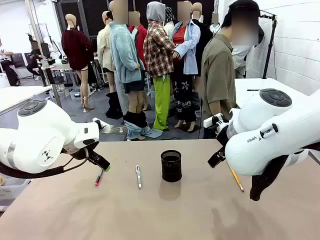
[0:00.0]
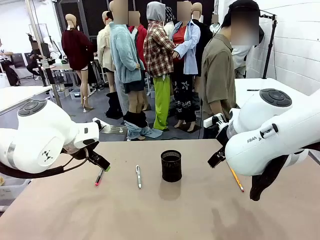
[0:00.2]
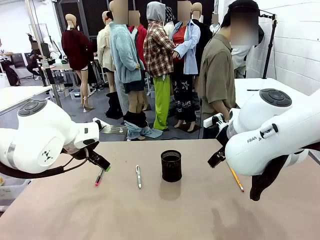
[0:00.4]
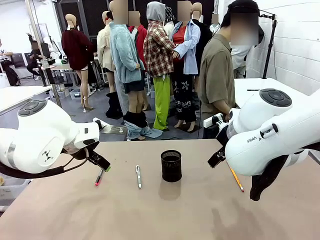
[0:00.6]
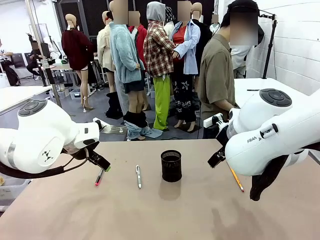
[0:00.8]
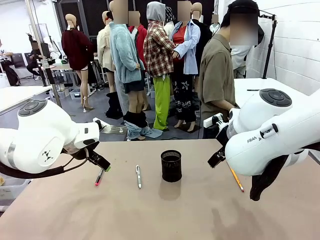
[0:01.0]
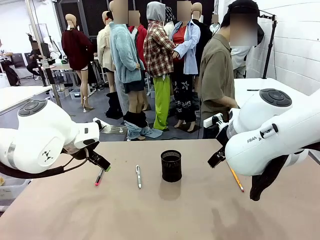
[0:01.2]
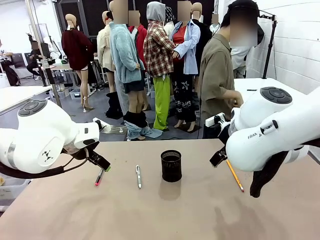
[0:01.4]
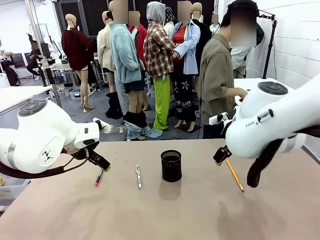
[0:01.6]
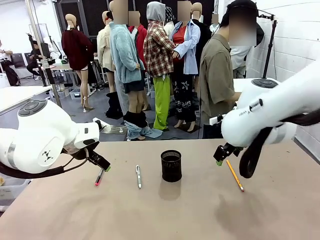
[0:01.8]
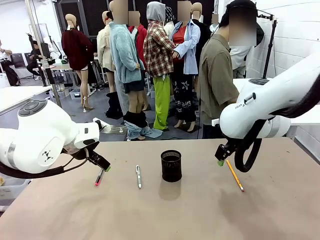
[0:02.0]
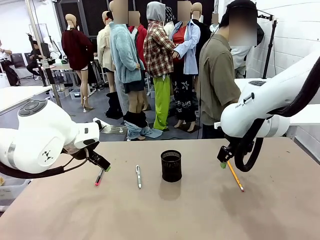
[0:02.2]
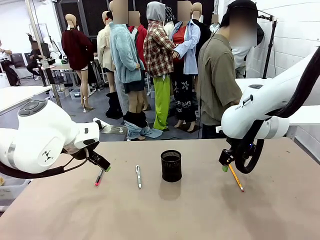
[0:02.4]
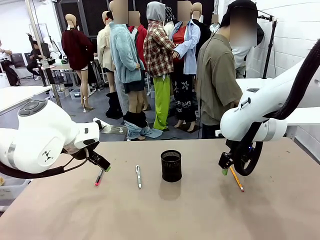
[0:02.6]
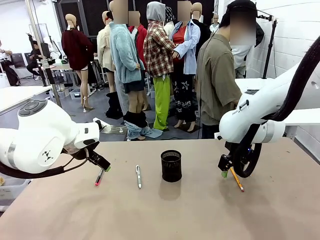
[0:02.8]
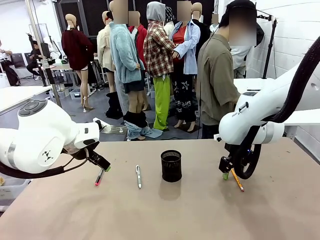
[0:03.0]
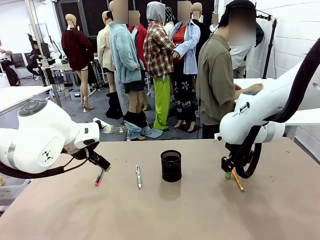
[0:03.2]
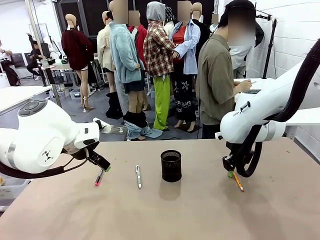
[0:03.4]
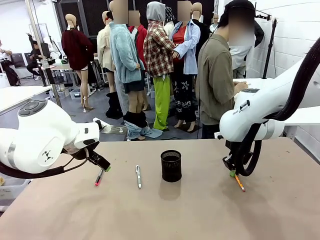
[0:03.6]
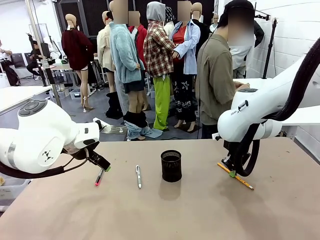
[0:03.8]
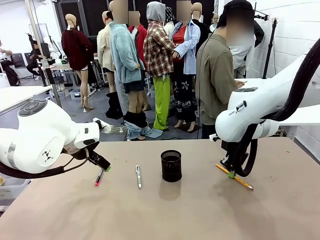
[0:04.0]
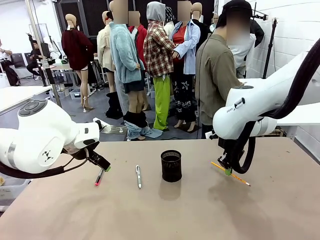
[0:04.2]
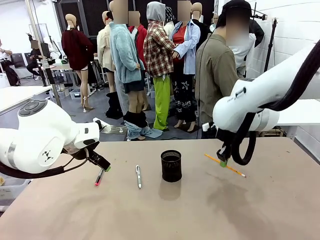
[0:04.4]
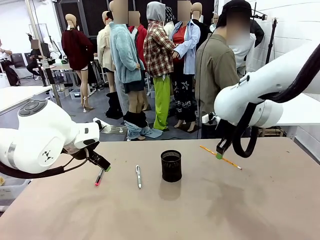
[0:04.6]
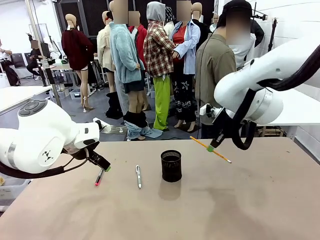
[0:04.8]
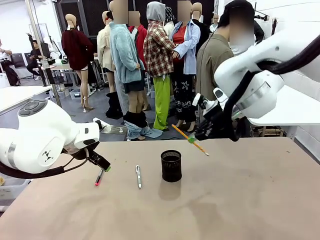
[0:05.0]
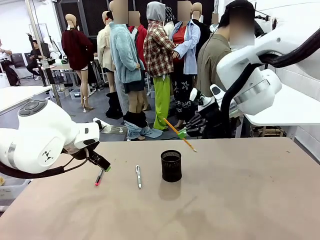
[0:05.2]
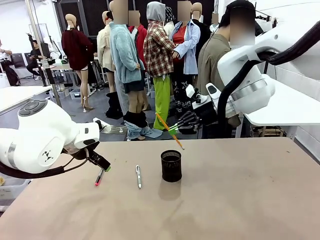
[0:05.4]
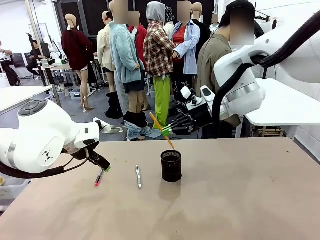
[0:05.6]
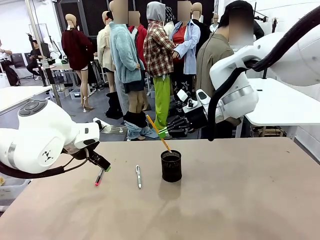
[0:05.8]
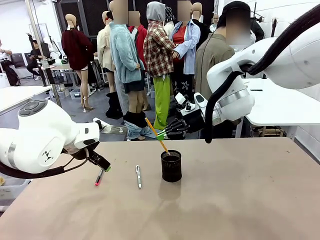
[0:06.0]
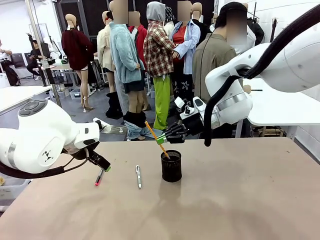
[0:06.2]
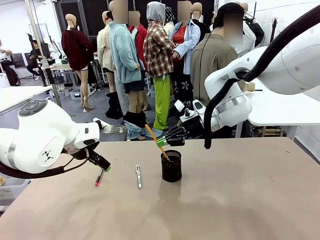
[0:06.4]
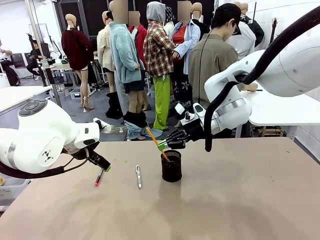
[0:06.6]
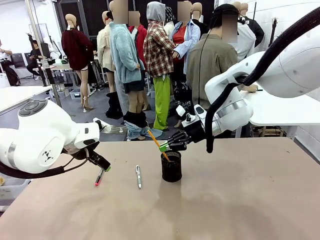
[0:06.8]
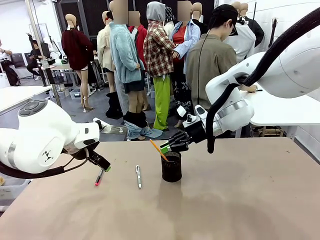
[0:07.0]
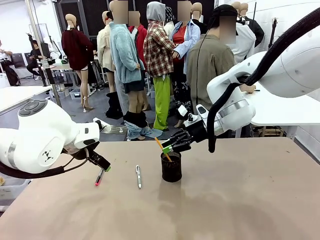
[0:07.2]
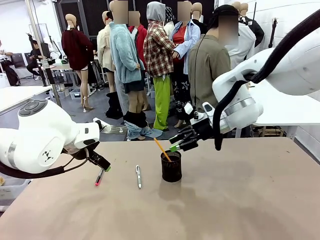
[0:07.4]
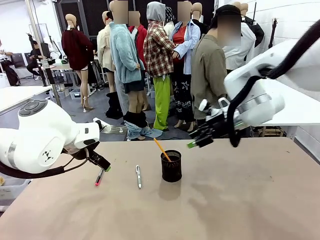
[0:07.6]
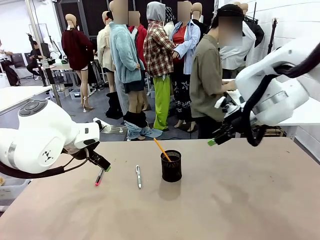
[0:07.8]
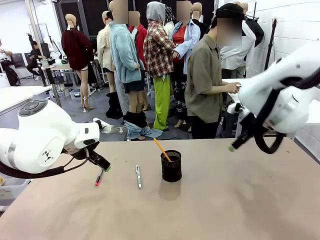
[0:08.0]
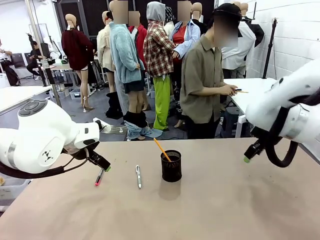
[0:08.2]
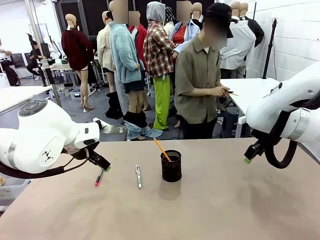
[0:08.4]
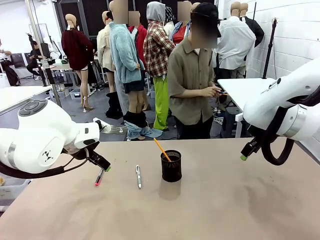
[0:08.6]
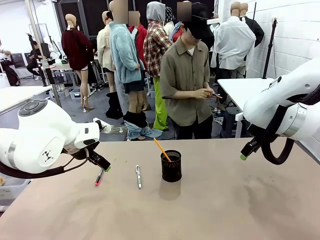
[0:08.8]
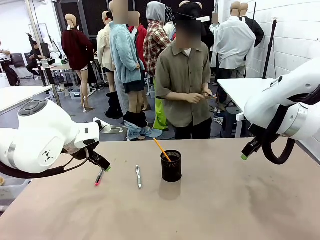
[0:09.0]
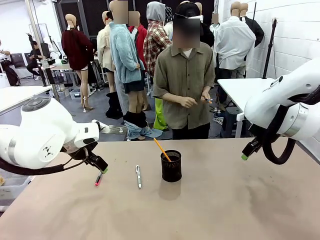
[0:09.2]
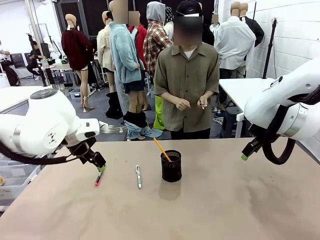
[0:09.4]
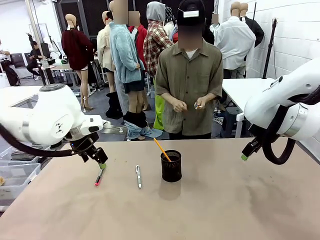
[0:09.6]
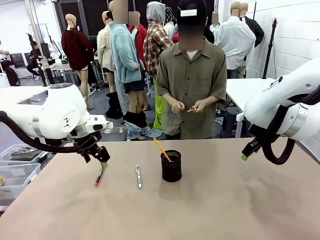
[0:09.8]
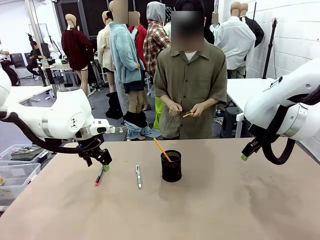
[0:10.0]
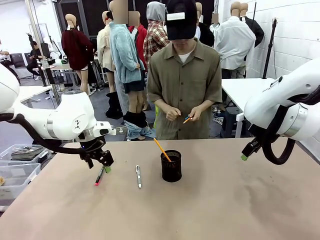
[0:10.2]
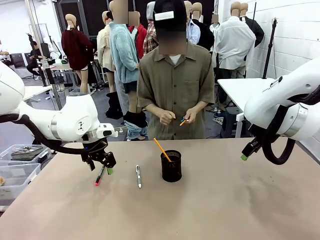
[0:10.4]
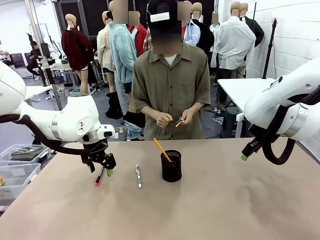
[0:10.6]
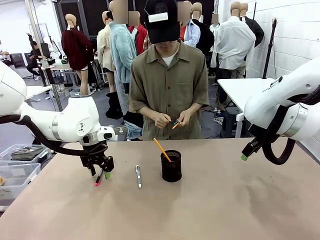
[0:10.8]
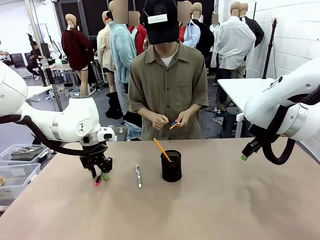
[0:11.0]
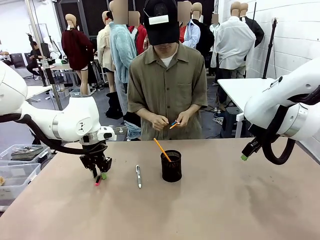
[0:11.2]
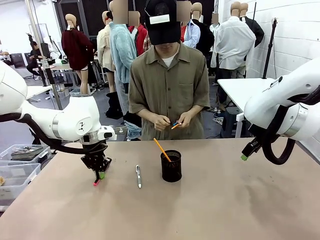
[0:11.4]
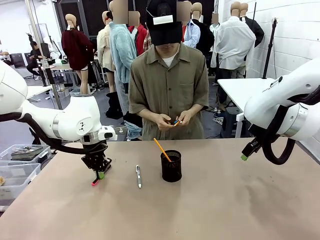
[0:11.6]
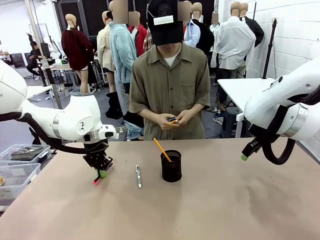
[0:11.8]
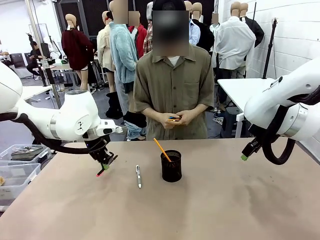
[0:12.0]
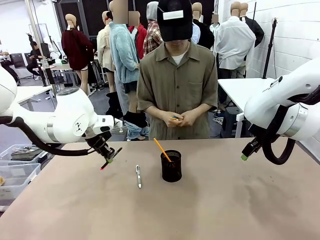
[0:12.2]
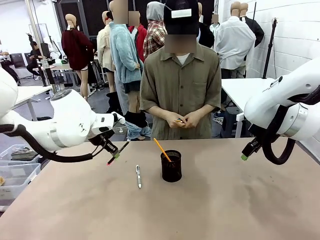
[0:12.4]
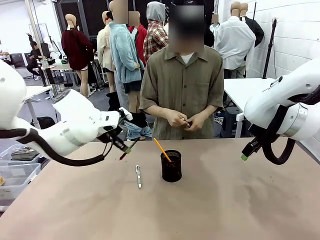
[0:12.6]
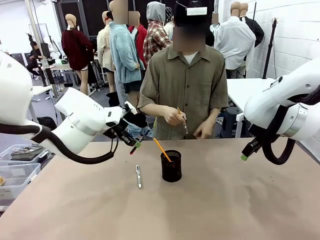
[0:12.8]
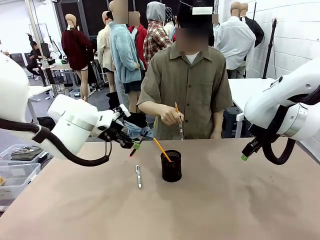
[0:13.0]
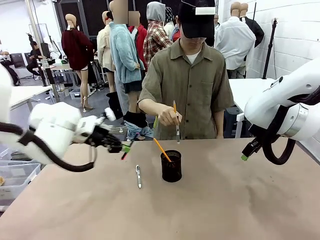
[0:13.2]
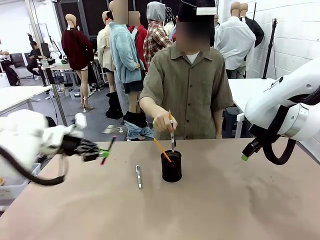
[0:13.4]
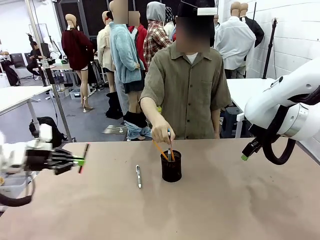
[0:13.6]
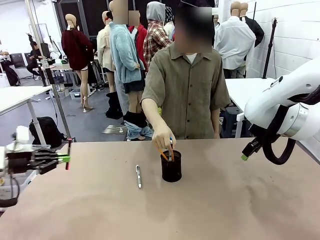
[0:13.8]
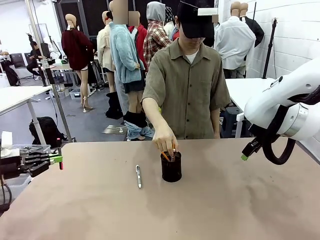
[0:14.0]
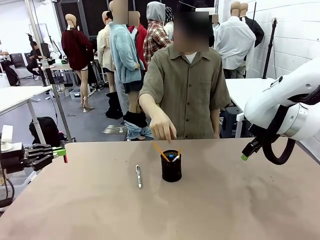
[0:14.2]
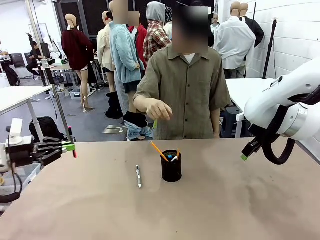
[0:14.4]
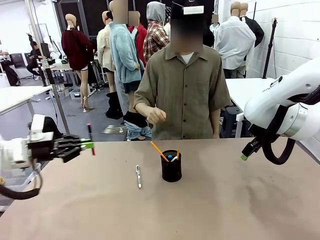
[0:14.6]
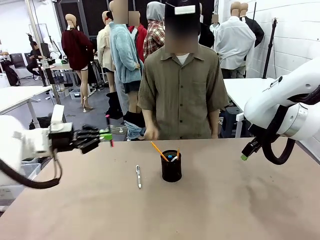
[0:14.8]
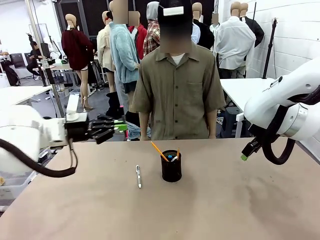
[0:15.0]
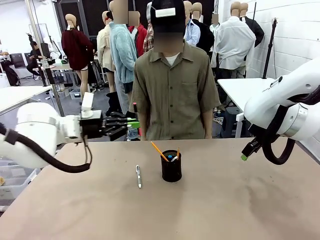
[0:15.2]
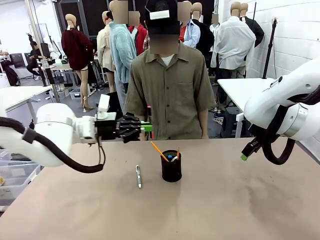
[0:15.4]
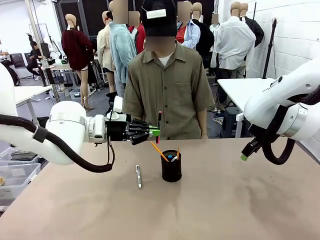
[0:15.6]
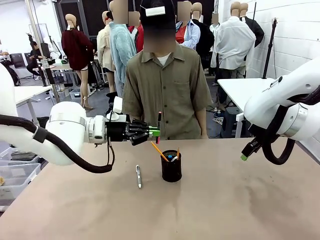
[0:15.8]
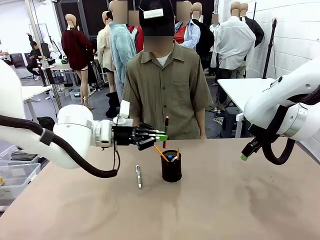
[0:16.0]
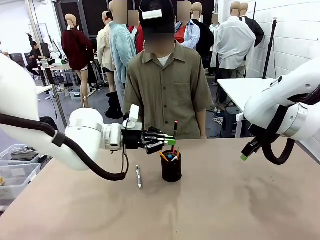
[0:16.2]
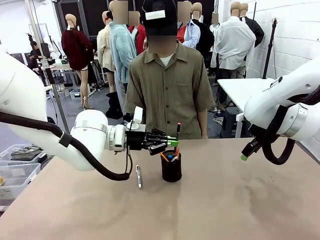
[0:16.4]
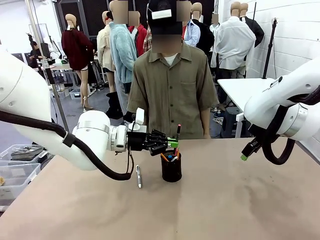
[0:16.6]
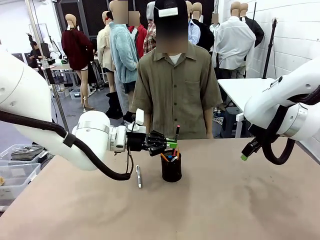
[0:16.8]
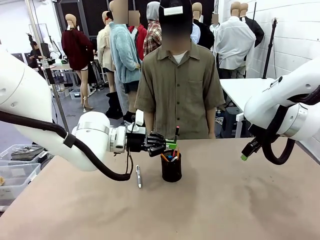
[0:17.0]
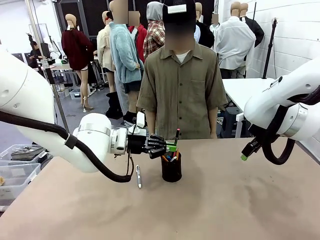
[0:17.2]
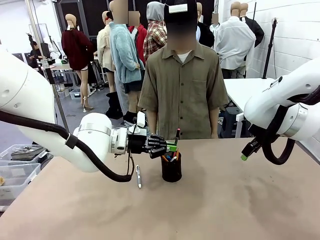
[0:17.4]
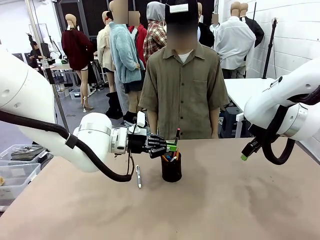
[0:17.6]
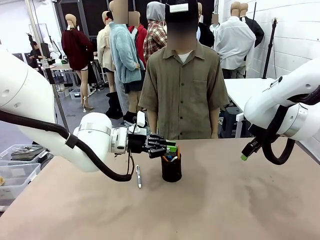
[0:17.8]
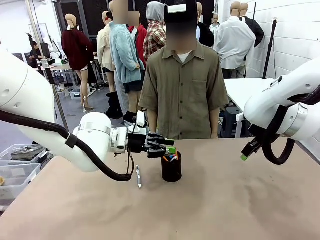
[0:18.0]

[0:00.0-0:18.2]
Task: Place the pens into the pen holder.
Robot: Pick up a writing instrument from the table and place it into the Pen holder.
Person: Pick up all writing instruments from the Human table.
